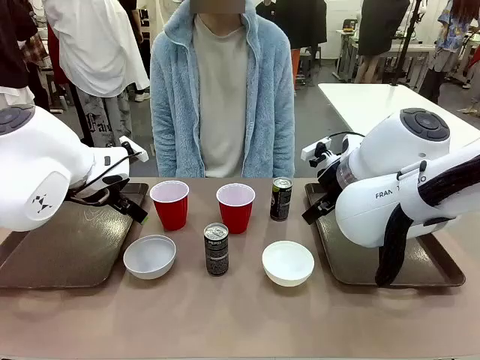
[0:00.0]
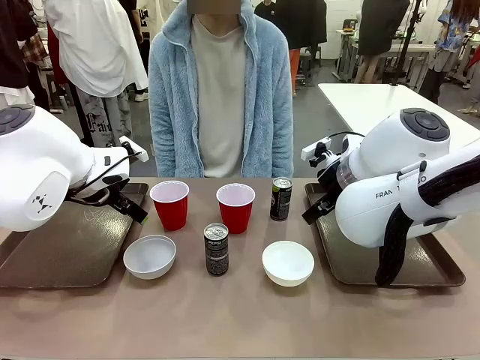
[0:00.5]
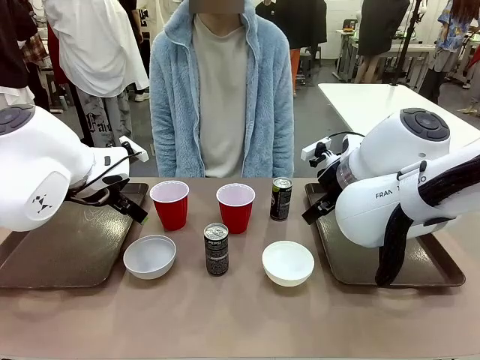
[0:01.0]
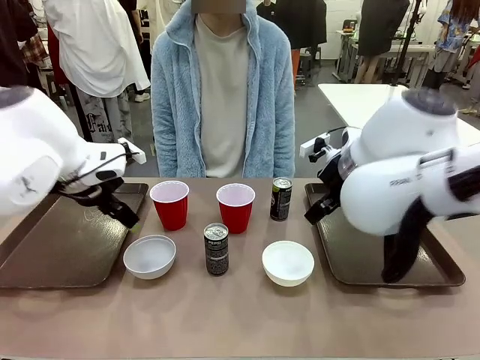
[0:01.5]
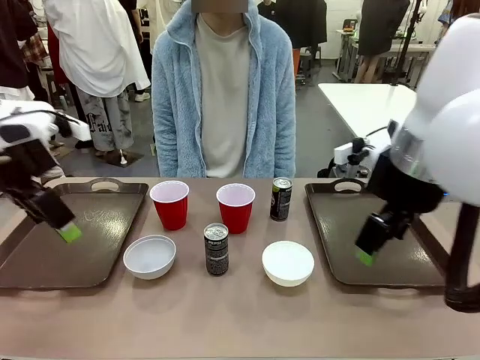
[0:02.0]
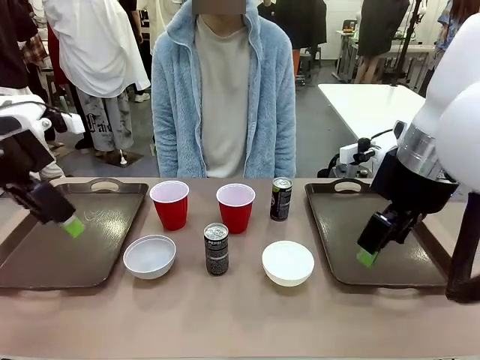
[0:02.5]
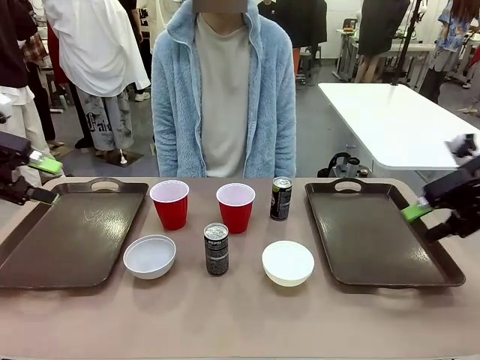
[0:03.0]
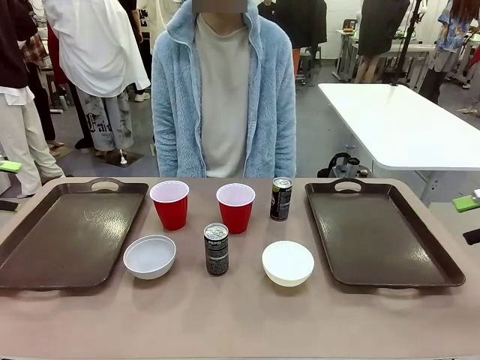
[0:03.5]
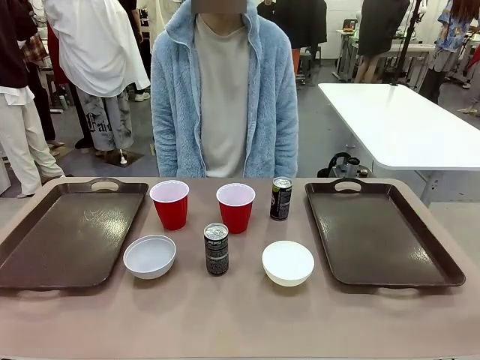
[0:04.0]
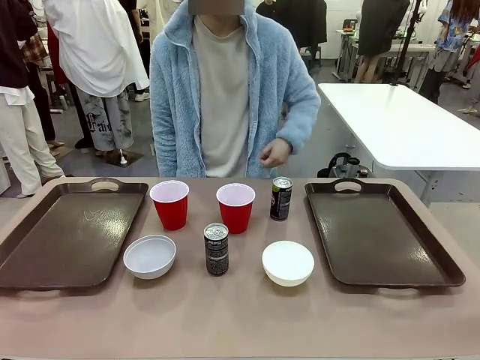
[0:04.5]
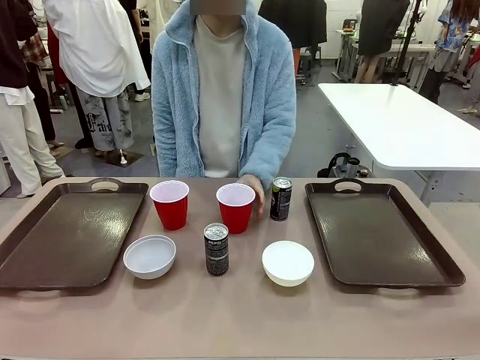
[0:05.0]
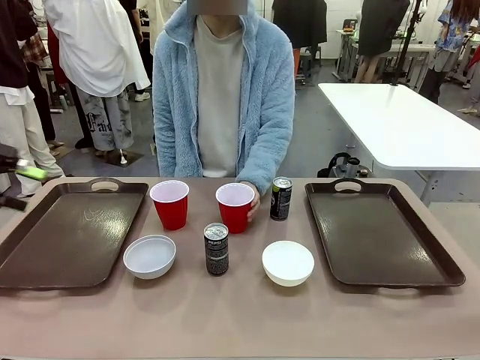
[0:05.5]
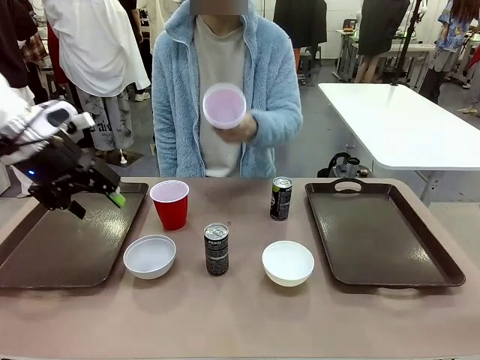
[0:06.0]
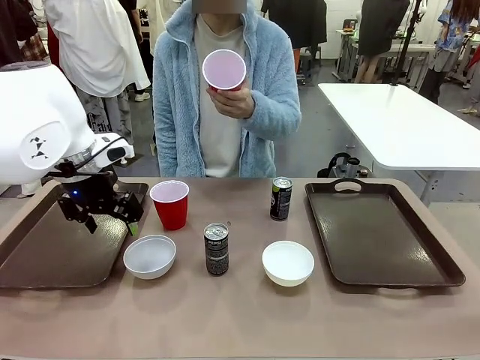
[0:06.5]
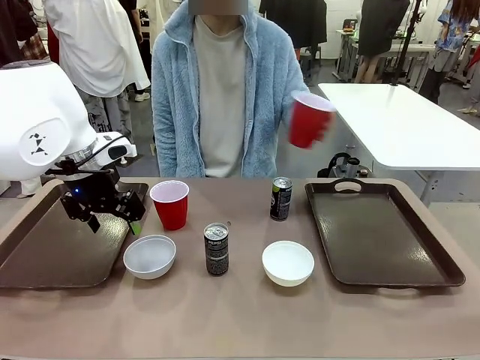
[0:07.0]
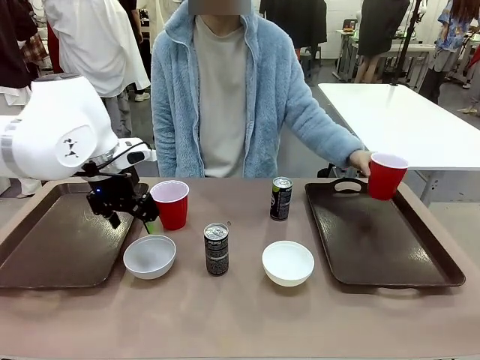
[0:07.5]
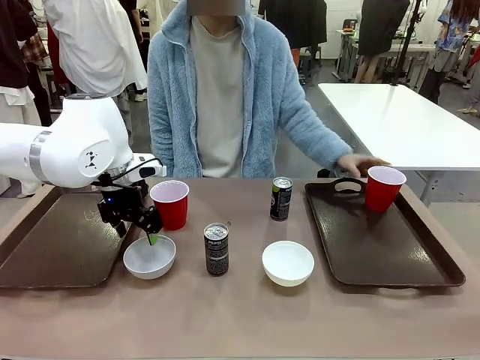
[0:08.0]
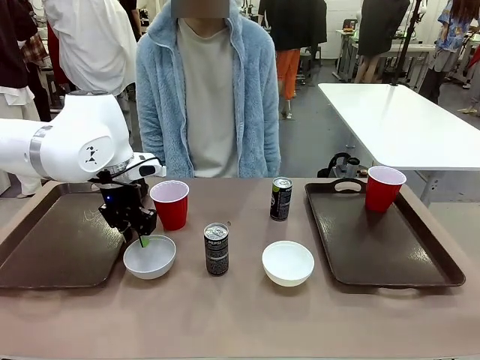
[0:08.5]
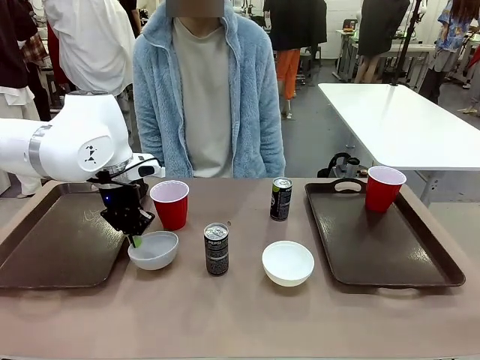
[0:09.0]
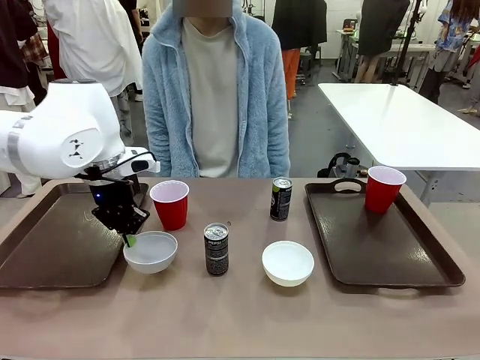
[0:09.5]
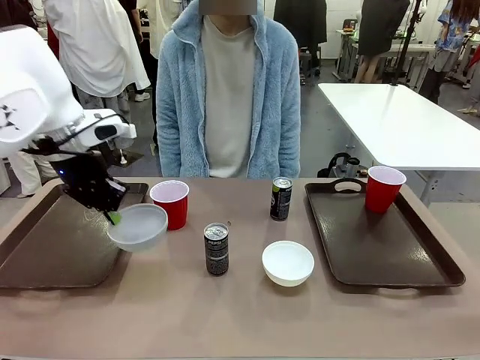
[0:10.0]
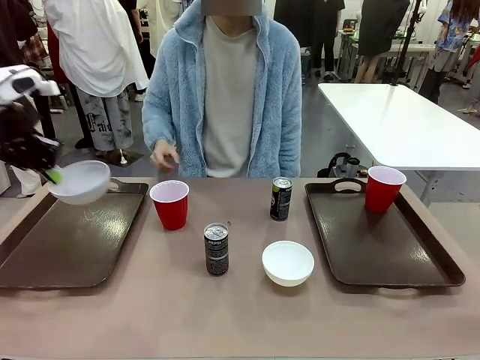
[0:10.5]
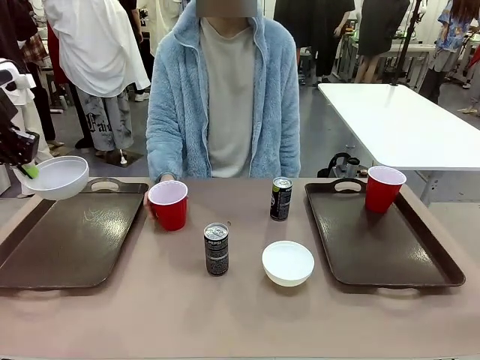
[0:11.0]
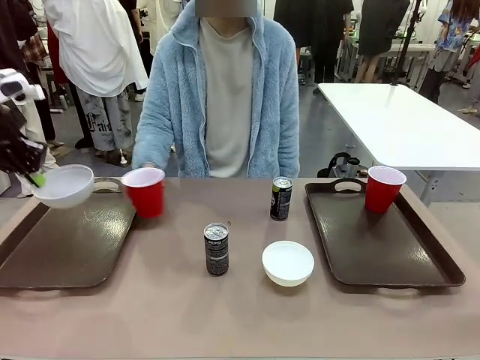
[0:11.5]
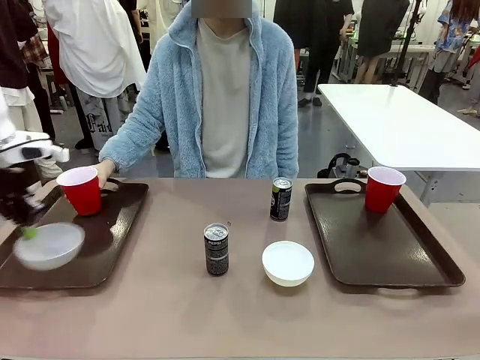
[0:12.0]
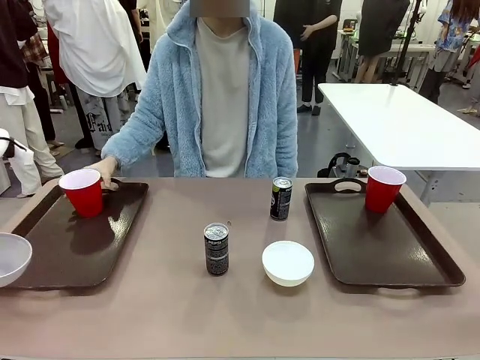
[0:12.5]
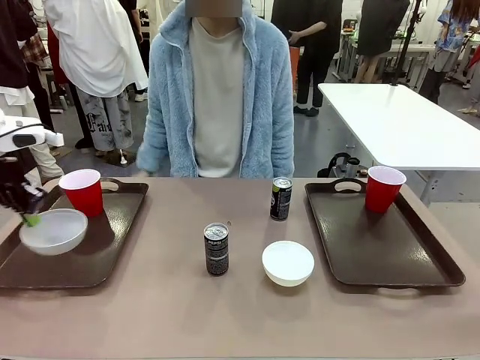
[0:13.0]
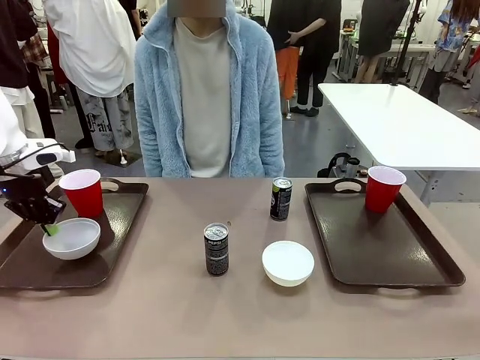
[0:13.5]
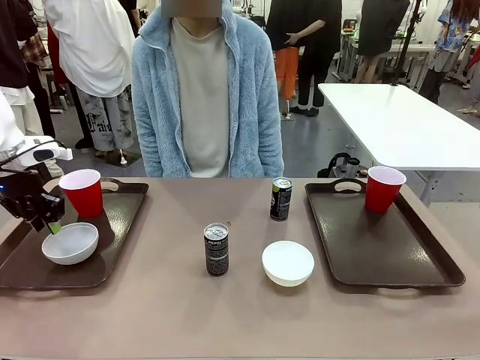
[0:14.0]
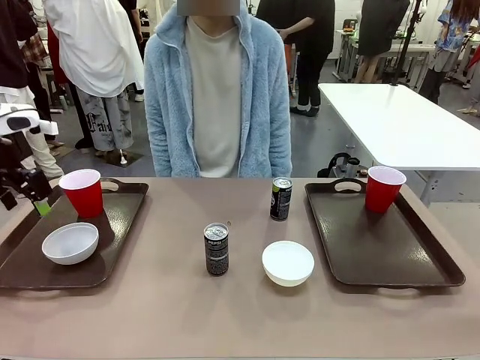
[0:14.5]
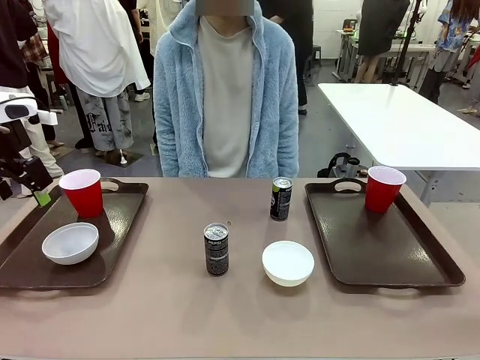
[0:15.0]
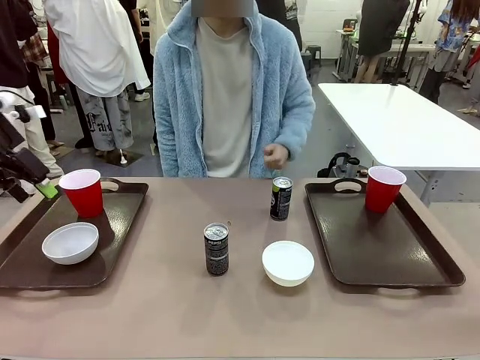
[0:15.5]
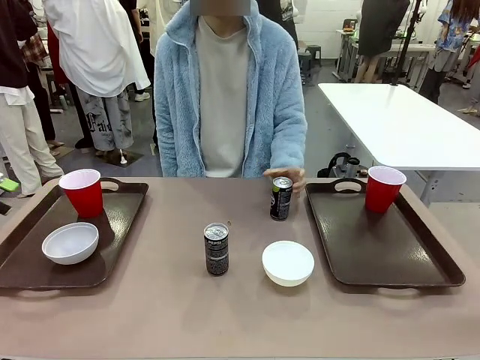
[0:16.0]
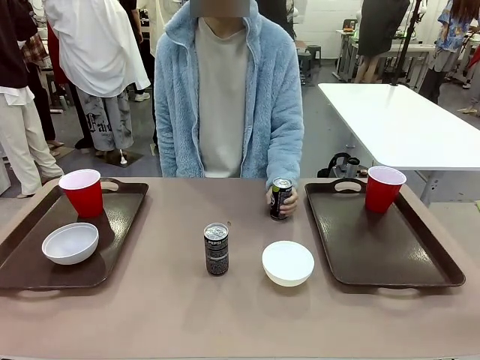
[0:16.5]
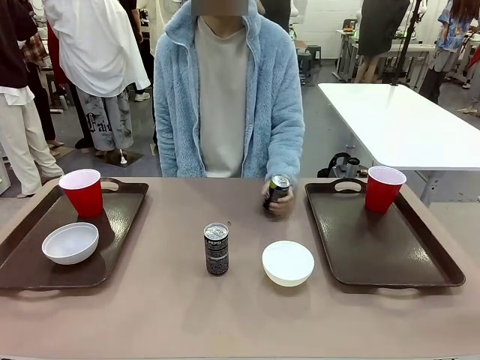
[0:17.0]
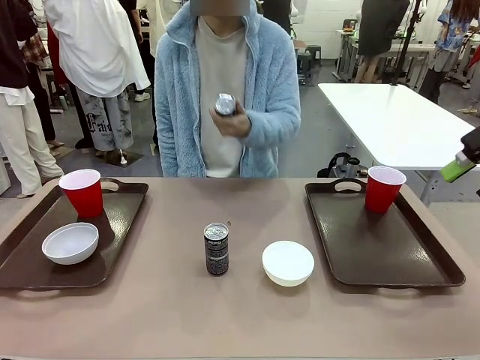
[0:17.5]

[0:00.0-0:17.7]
Task: Prepare tableware on both trays.
Robot: Pick up a Picnic Bowl from the table and place it on a Handle tray.
Person: Pick up a can or cup and place it on the tray.
